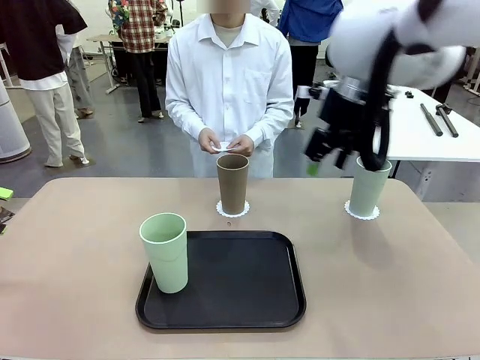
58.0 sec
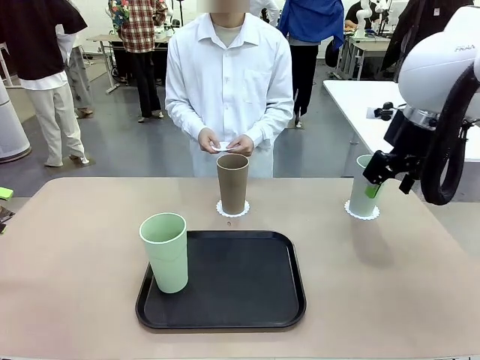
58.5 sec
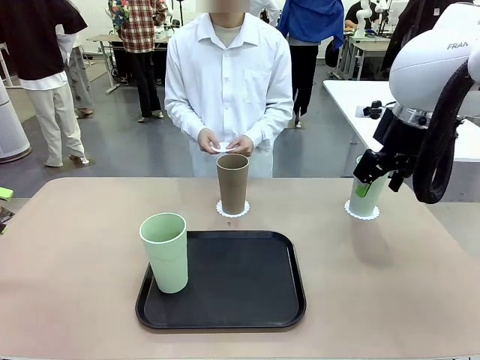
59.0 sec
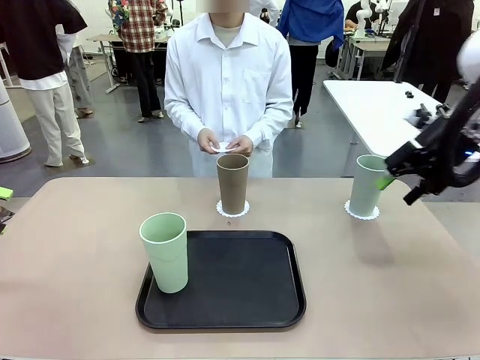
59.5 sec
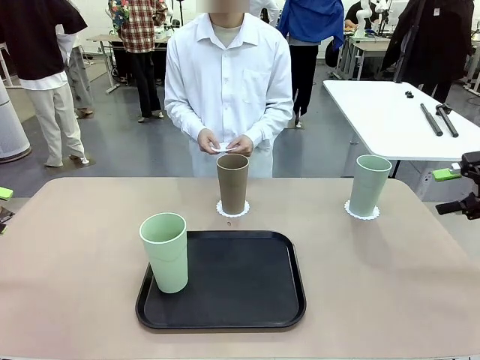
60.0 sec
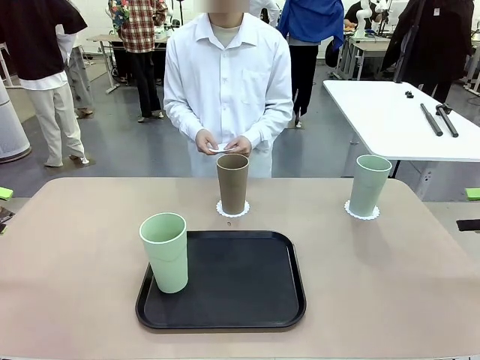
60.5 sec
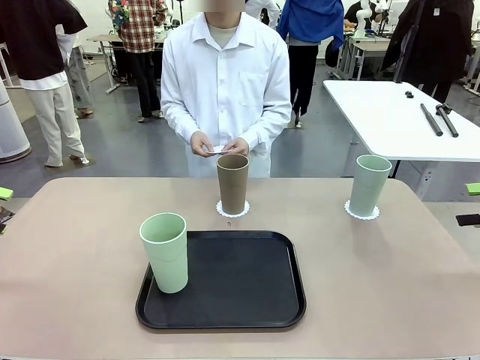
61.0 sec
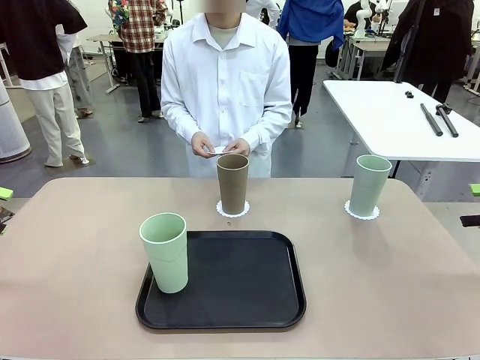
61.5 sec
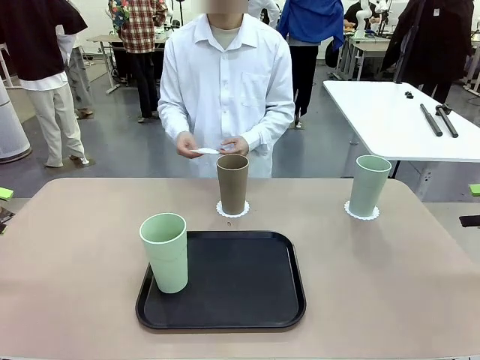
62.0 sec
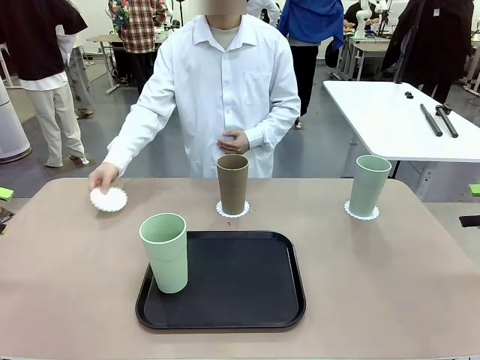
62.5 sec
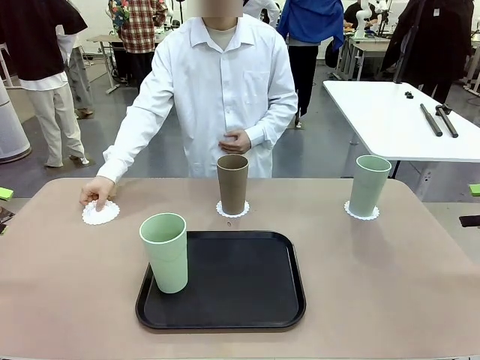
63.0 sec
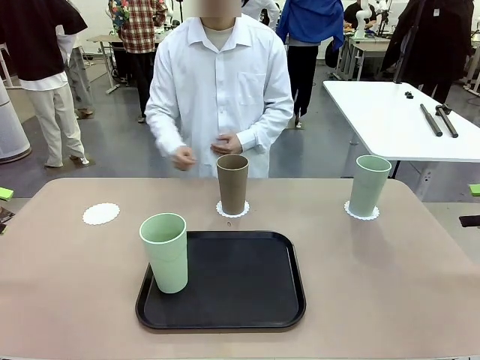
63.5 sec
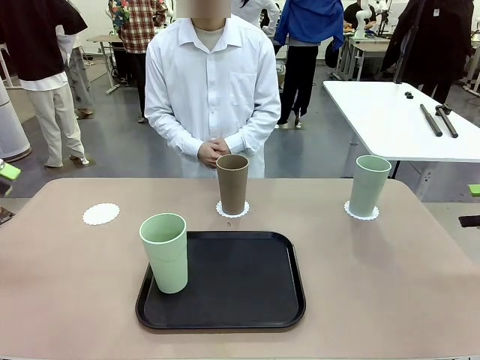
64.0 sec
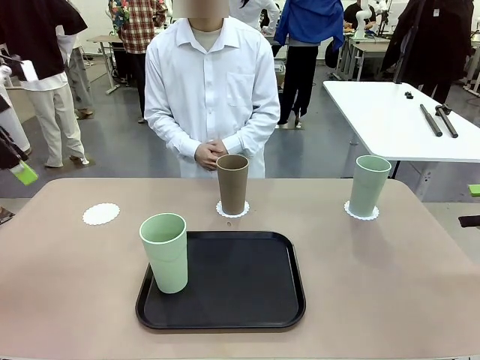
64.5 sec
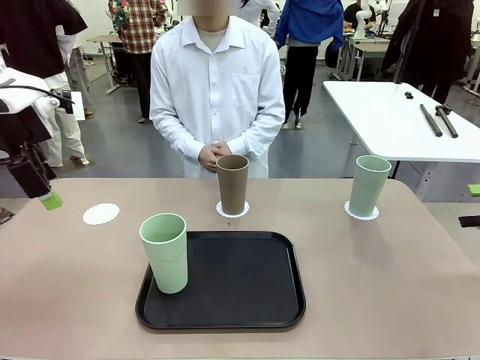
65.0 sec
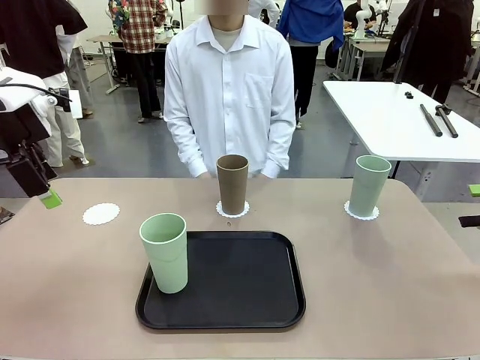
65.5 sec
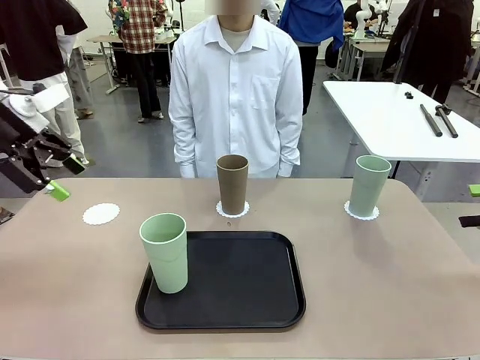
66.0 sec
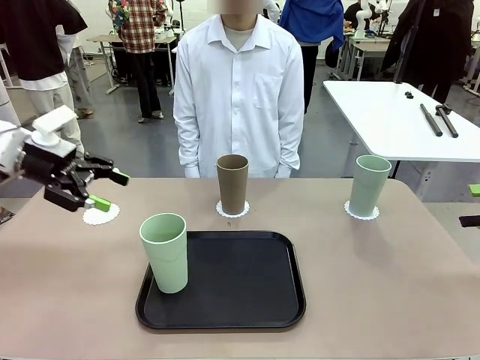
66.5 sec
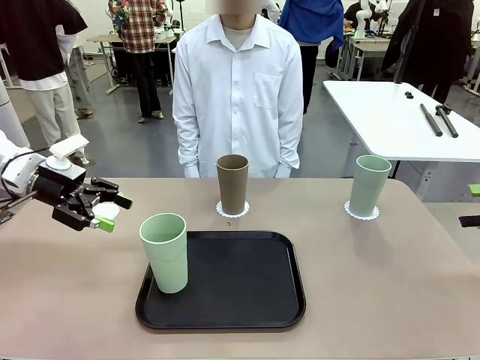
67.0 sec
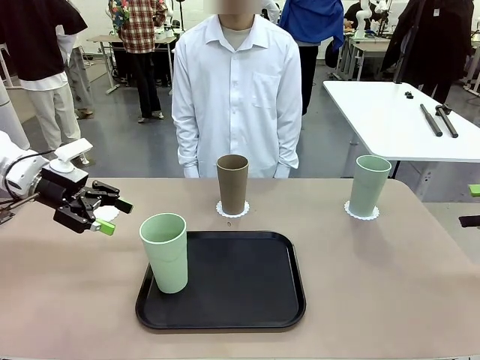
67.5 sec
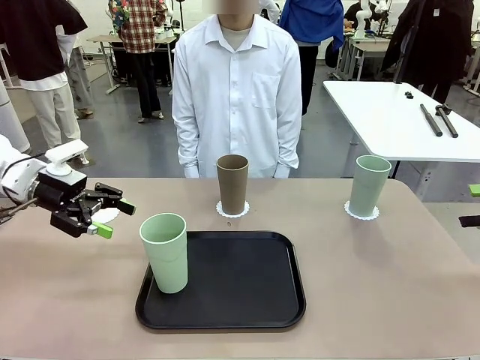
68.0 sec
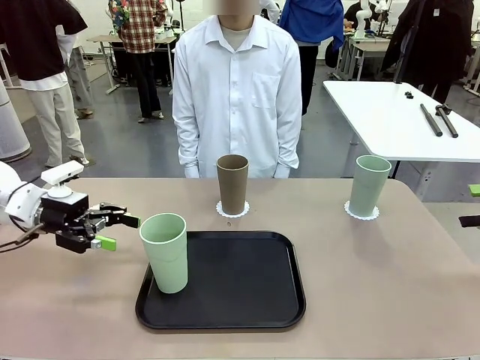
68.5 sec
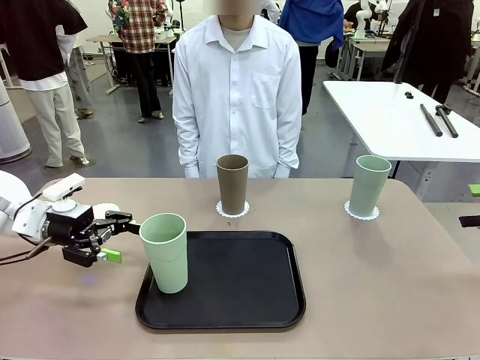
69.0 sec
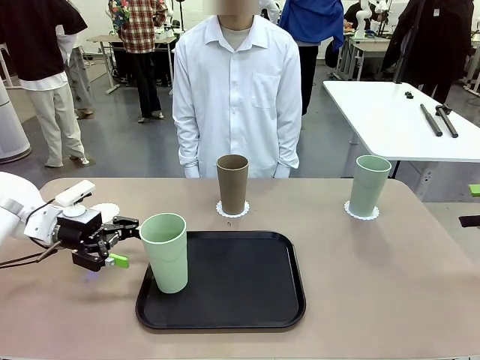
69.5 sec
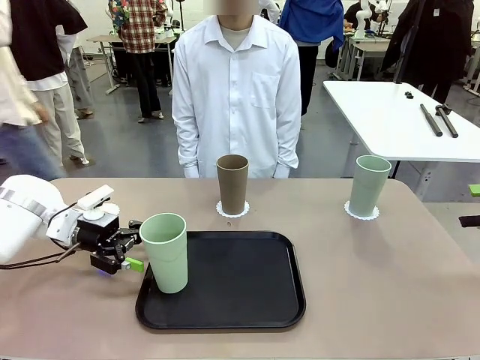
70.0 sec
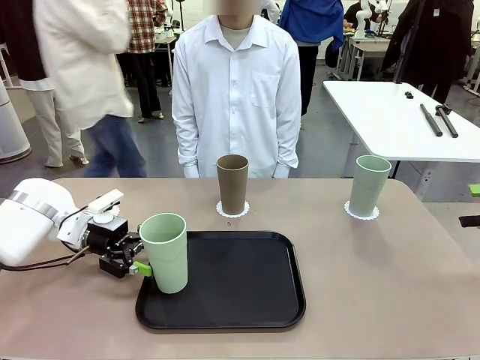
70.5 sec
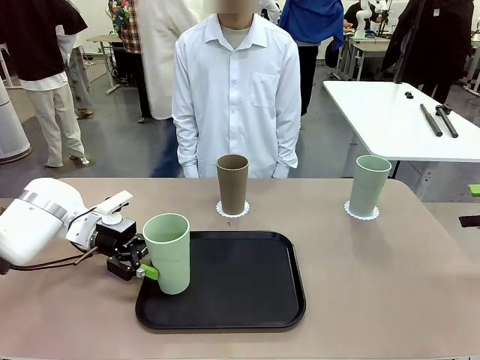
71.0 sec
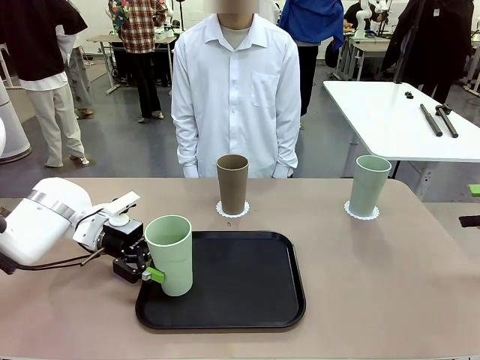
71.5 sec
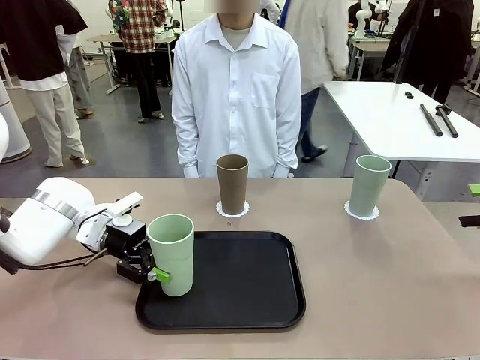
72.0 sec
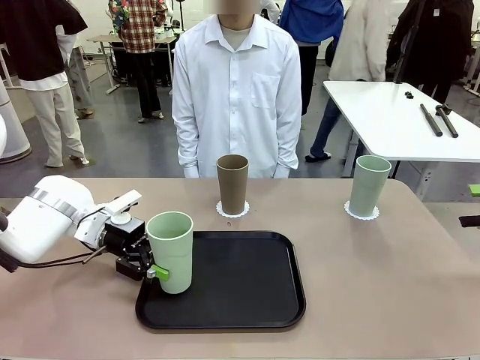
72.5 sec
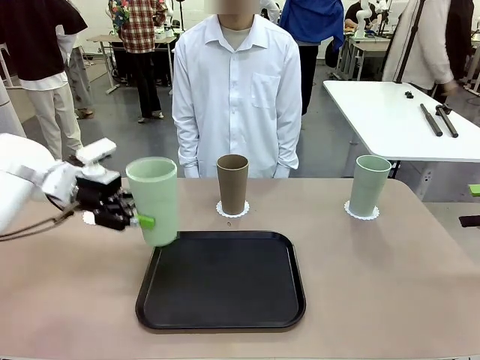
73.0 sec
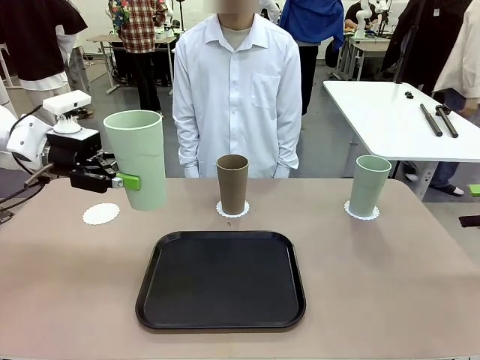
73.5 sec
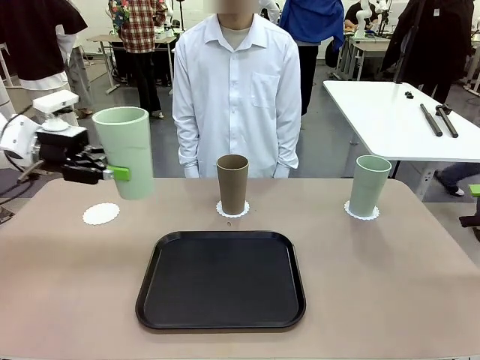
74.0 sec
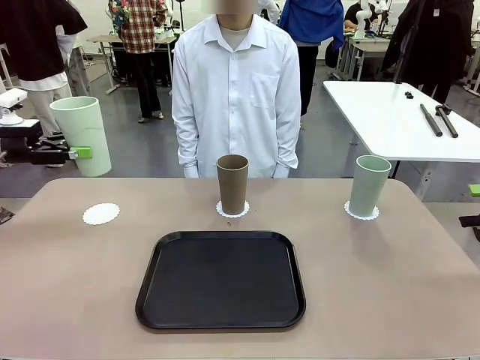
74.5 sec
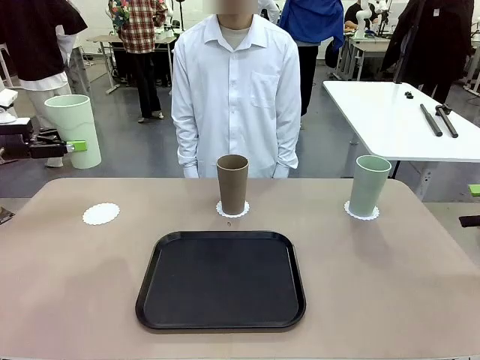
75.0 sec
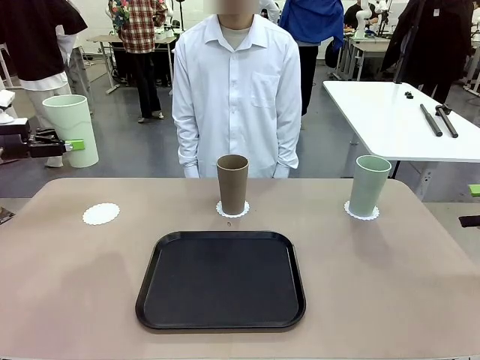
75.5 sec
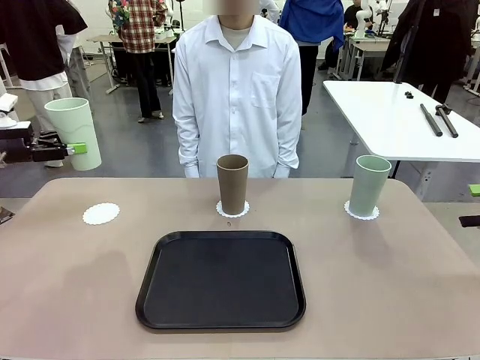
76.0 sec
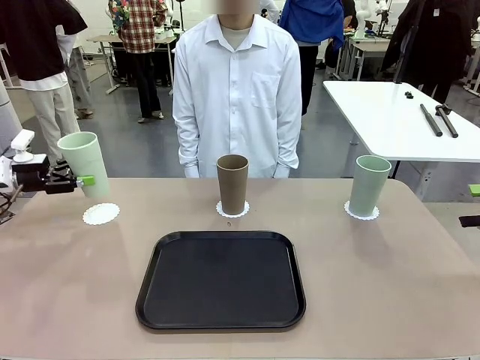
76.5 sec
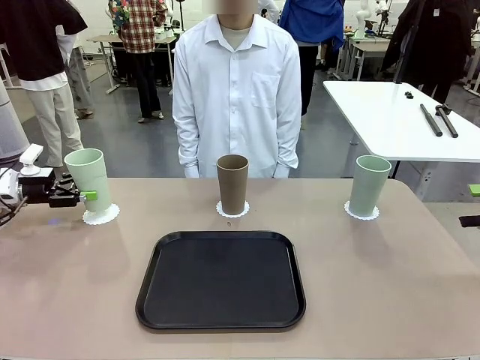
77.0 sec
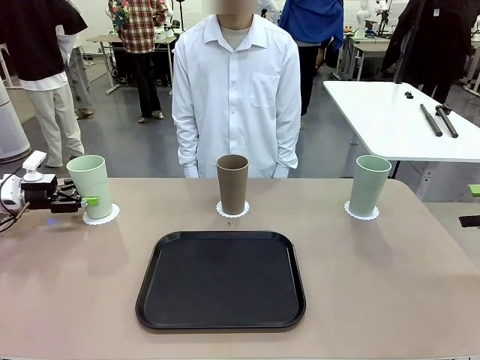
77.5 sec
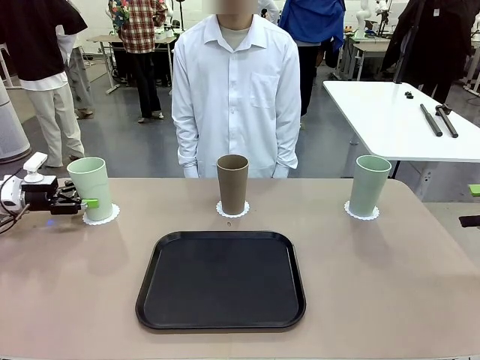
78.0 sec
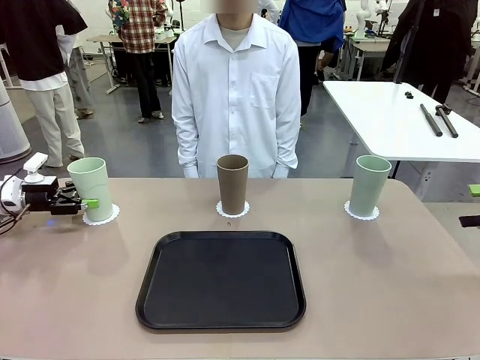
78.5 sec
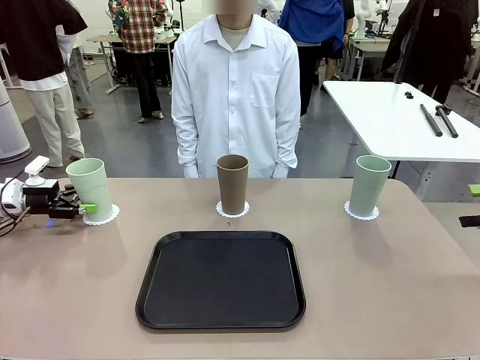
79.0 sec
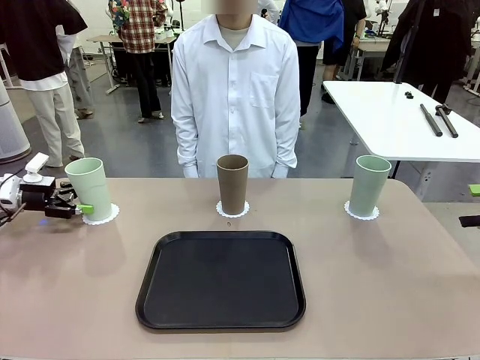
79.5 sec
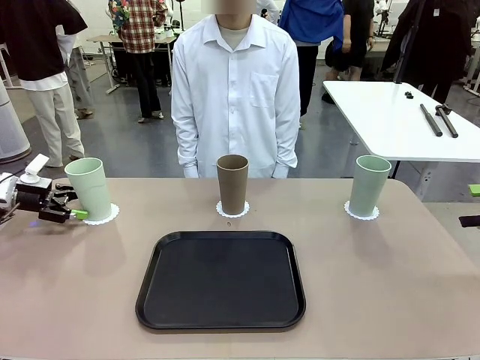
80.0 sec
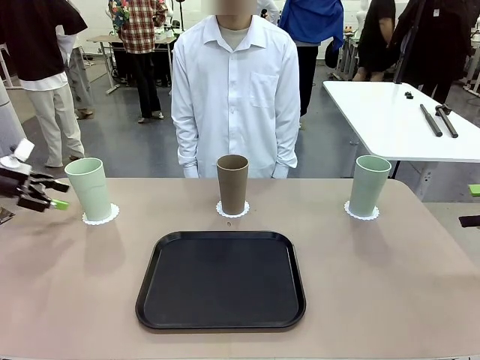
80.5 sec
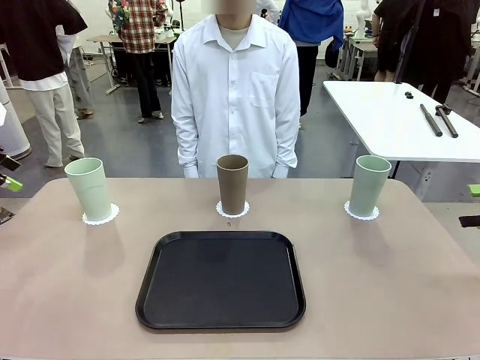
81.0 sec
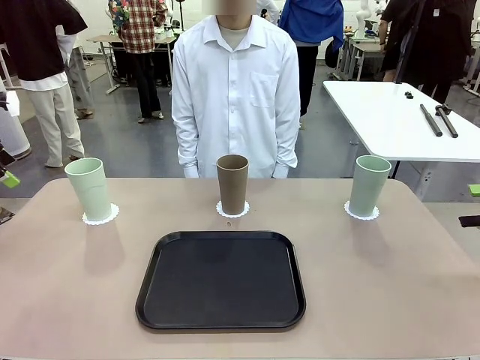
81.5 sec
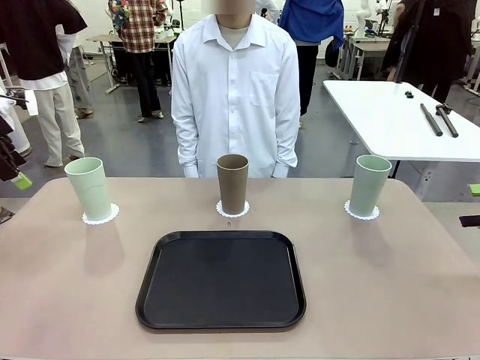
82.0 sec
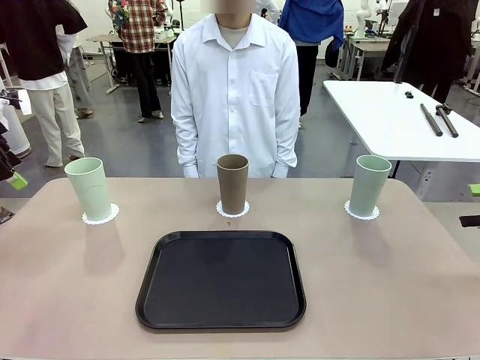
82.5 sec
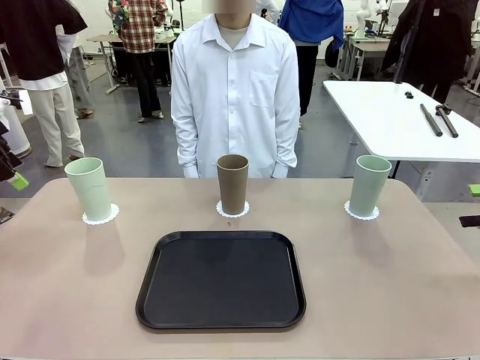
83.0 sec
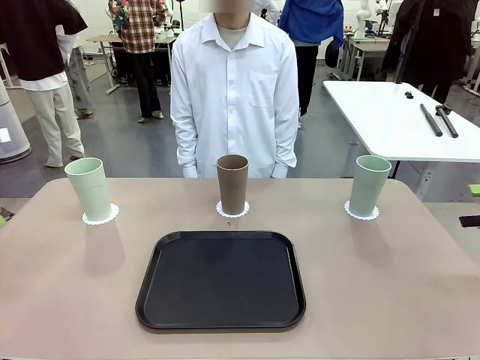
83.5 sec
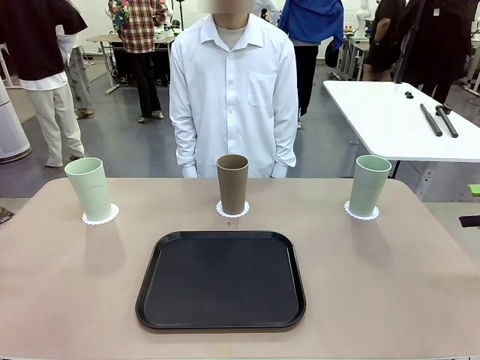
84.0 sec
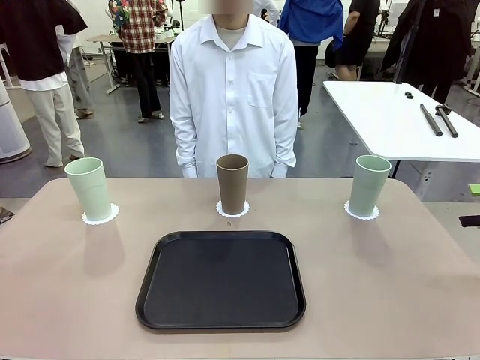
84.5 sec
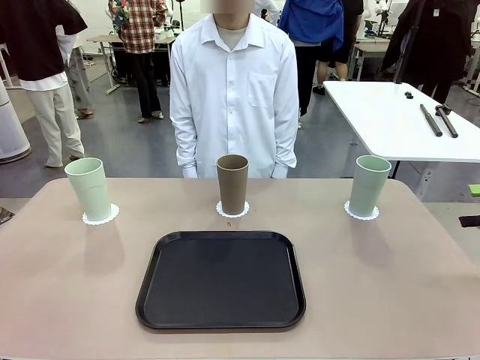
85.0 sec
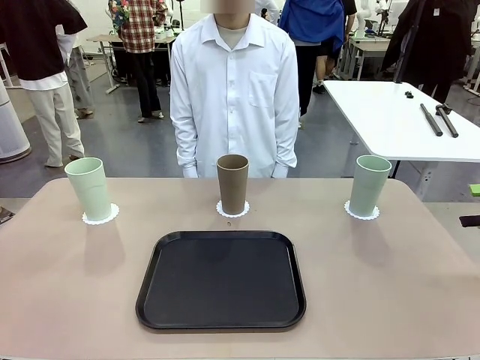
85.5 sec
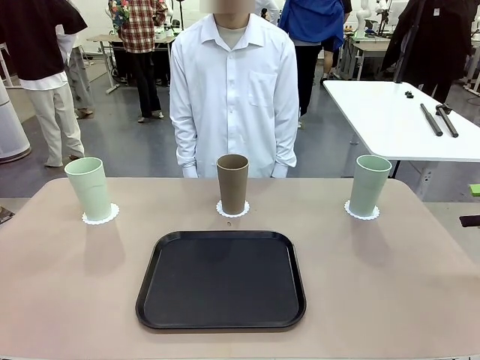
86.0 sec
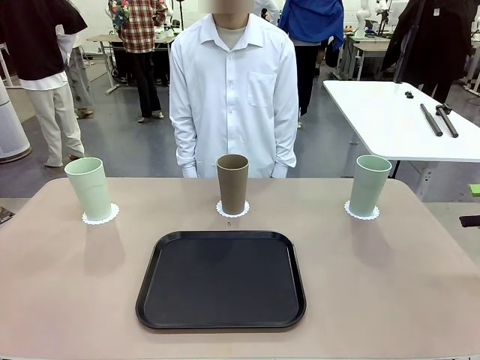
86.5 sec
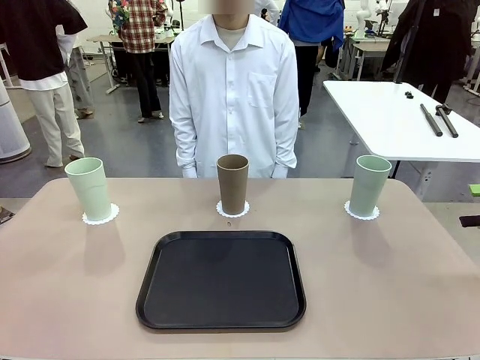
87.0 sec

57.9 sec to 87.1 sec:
Task: Place coasters on the table and set cups on them.
Robot: Take one Reusable plastic cup from the Flat Tray and place it on a coaster set by the human.
Person: Place one coaster in the only remaining area.
